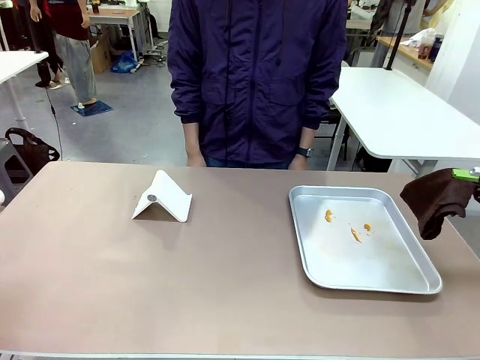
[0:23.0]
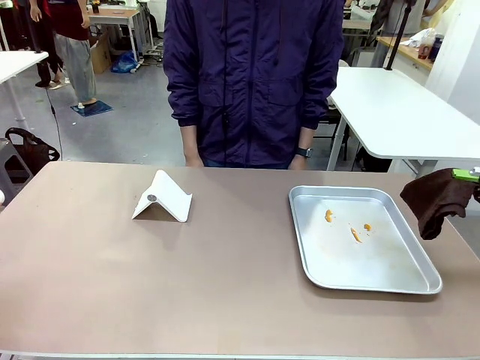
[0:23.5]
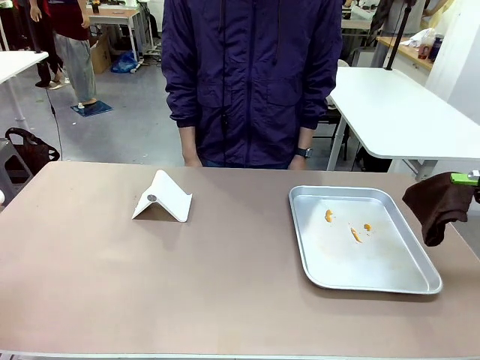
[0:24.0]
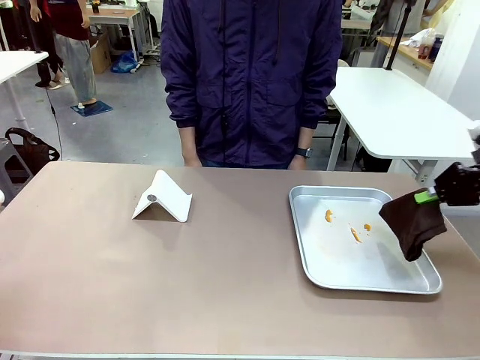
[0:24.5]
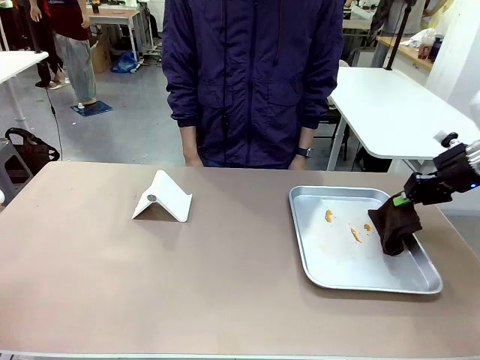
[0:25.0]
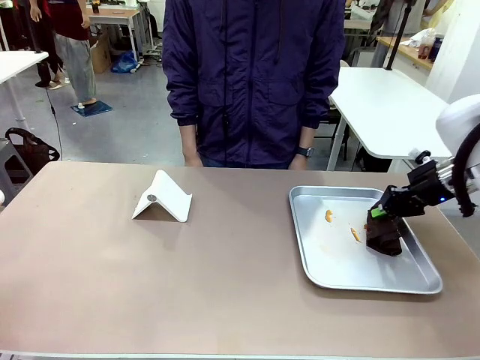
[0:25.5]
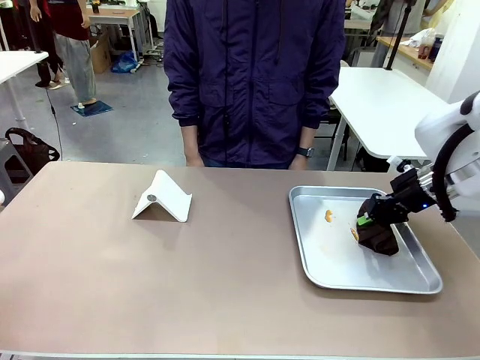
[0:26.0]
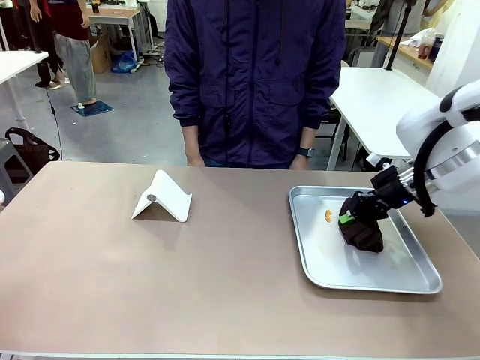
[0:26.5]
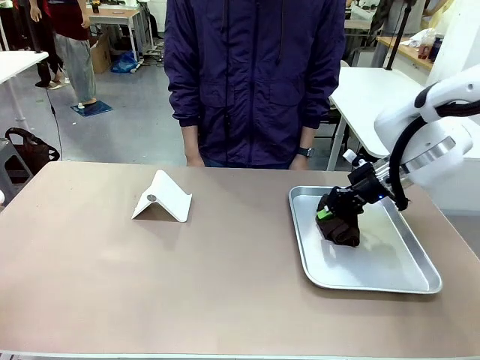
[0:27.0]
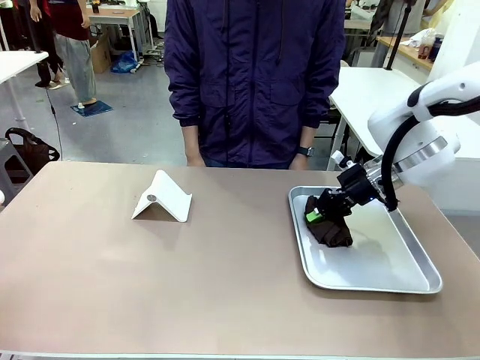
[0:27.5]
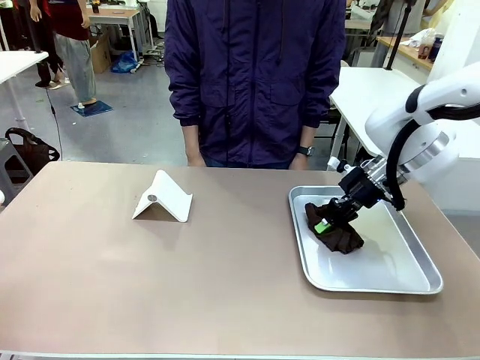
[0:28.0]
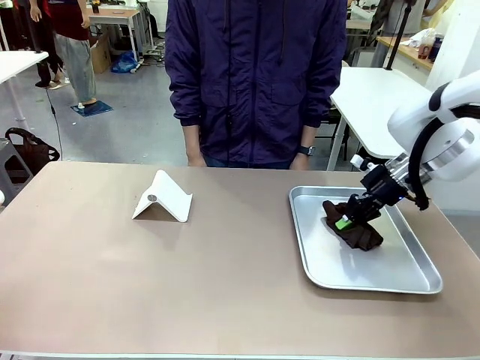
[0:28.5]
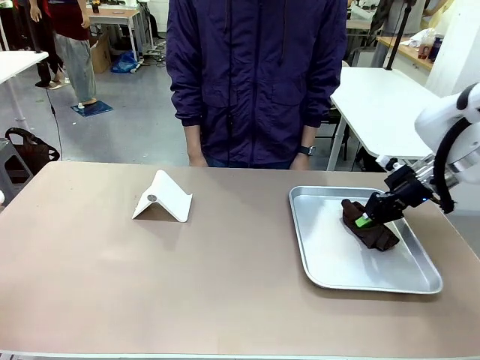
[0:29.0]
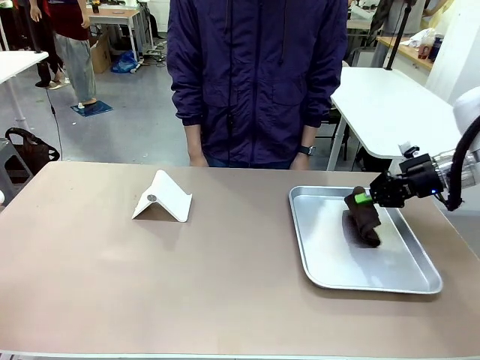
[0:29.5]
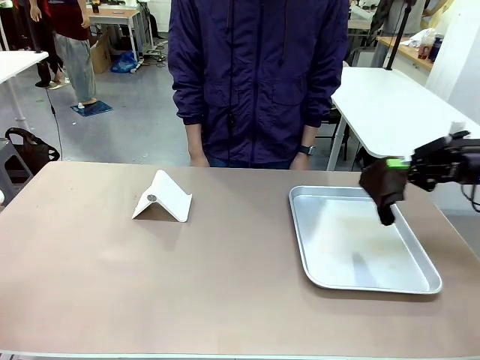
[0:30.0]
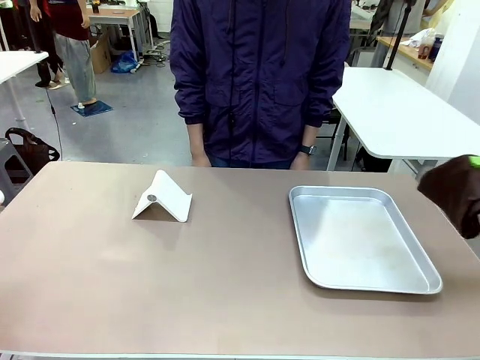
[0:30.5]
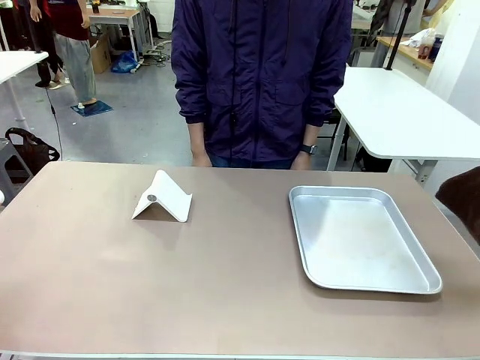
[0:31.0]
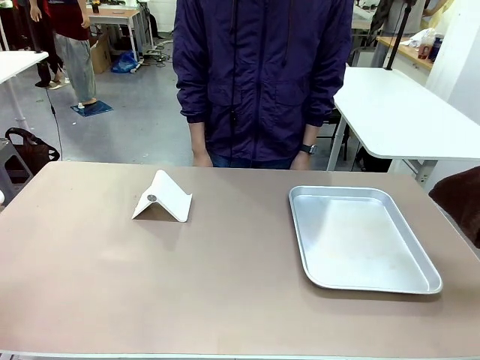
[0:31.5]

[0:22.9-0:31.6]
Task: Clean the surface of the table.
Robot: Clean the area not pointed to by the person.

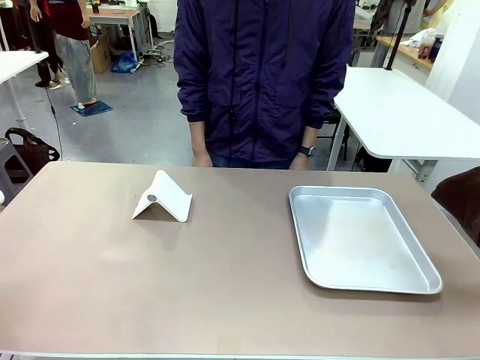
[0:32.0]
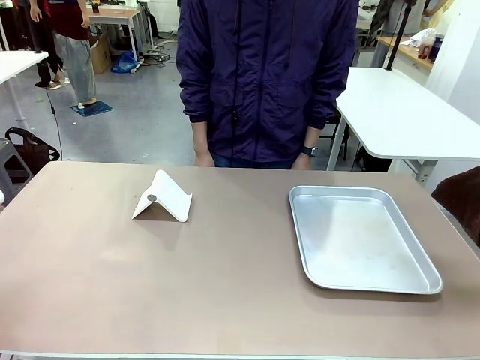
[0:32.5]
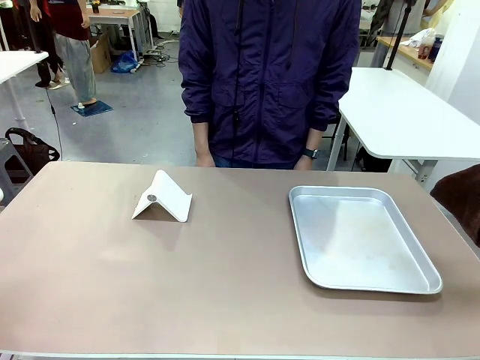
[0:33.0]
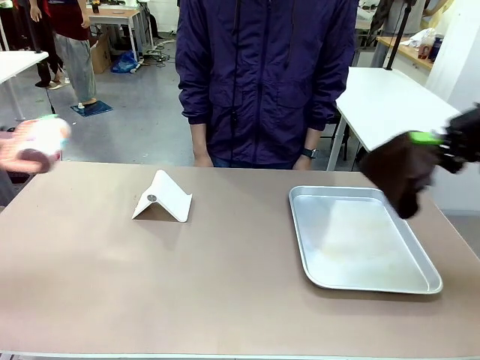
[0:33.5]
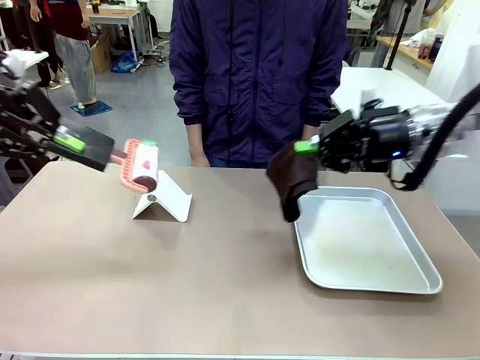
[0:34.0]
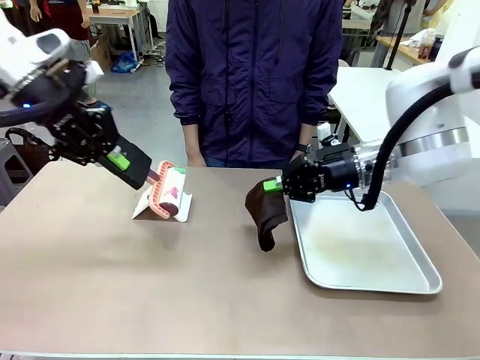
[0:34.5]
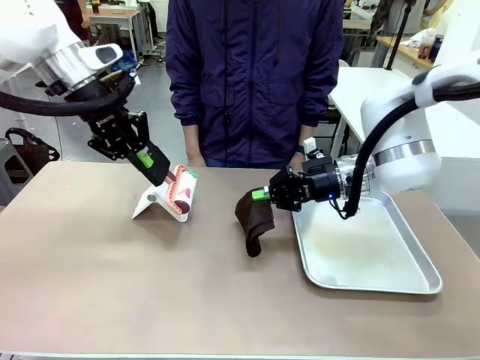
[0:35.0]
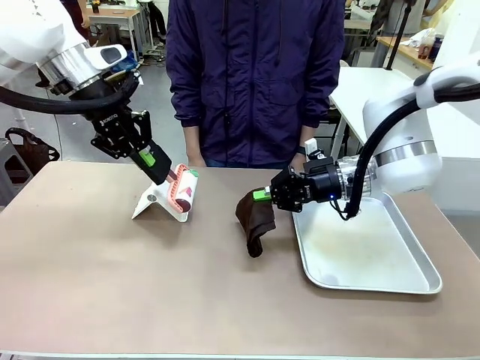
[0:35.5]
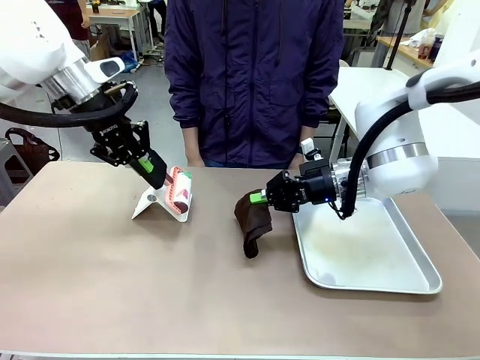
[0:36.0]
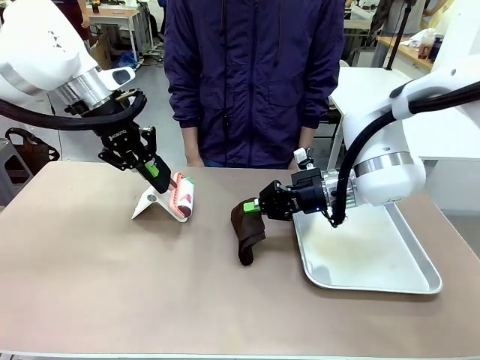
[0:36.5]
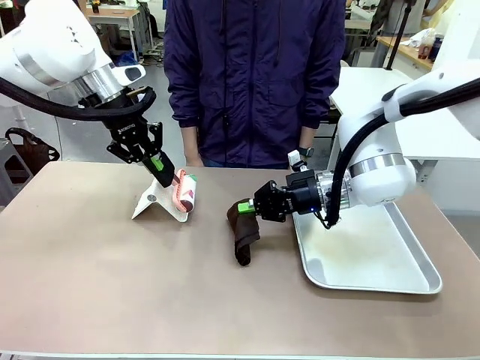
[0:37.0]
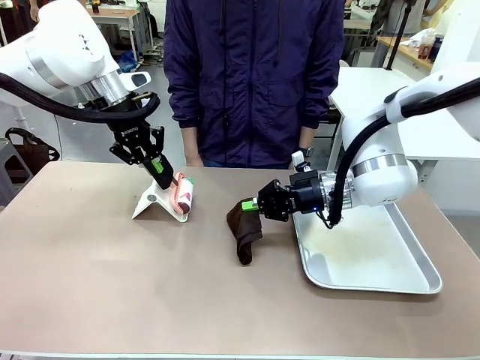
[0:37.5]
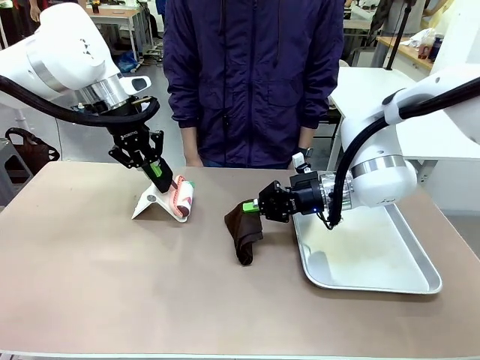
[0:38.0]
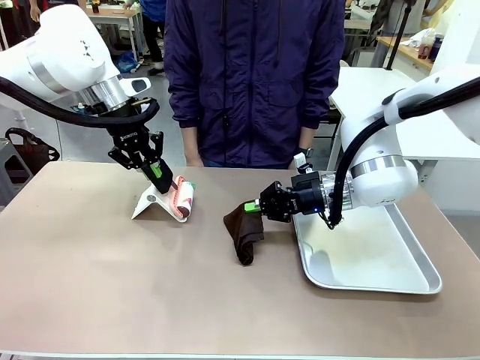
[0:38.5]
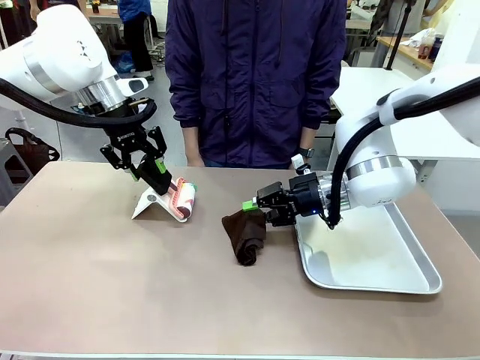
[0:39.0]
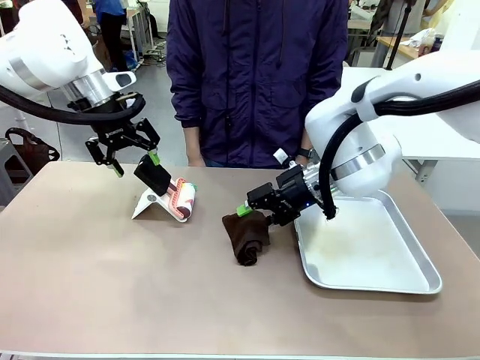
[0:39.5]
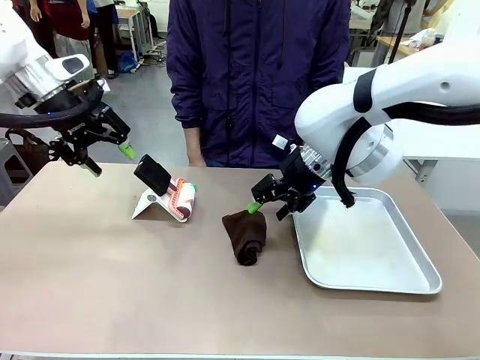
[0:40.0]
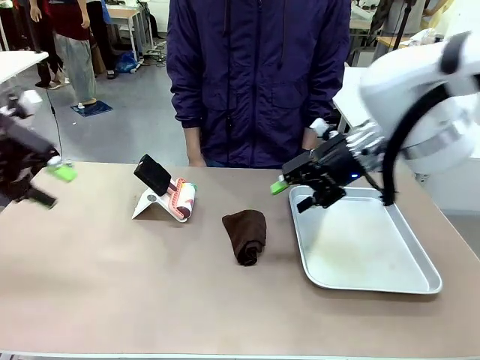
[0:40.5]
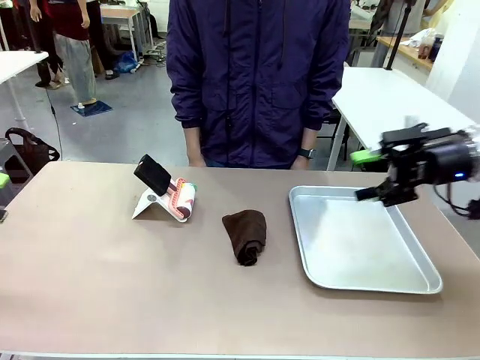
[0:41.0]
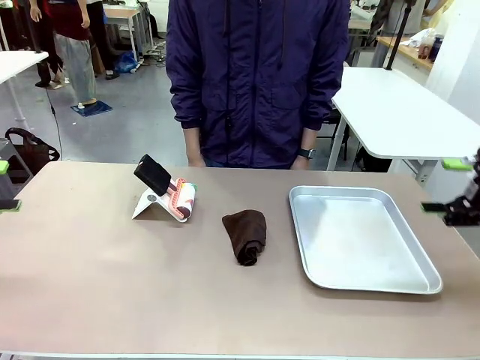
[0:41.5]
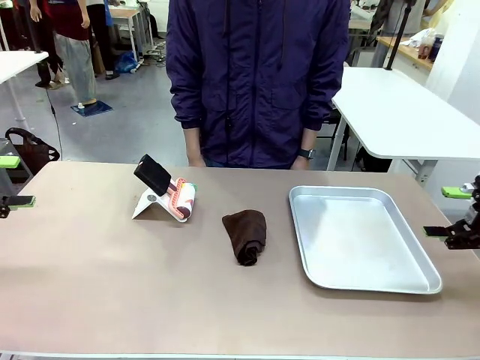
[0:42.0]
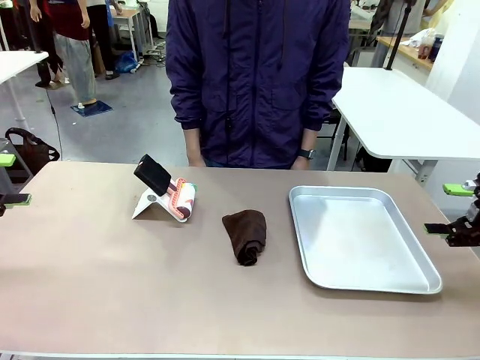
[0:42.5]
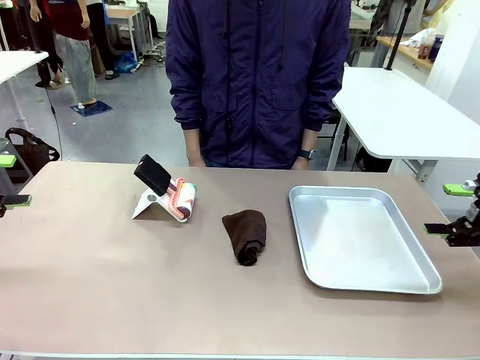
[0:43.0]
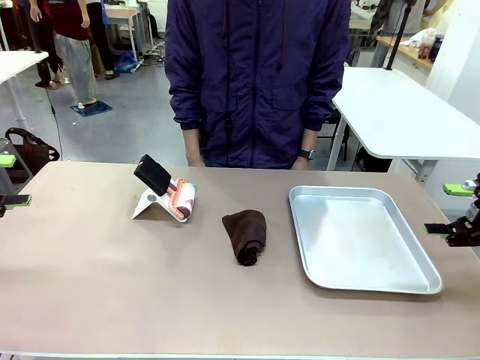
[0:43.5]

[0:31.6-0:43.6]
Robot: Return the Lint Roller and towel to their original positions.

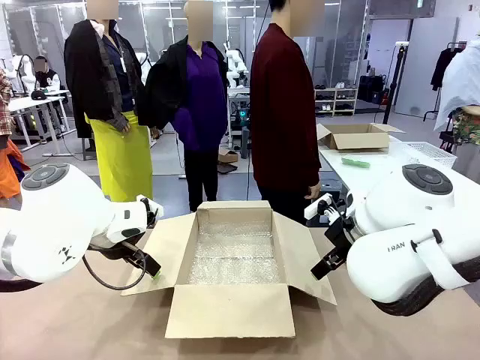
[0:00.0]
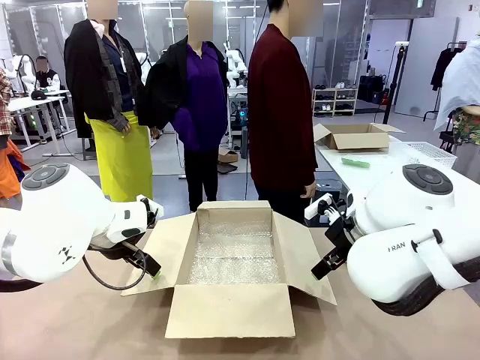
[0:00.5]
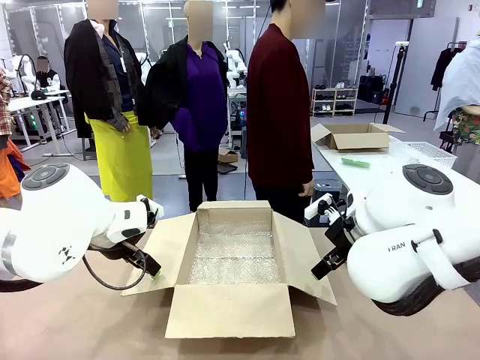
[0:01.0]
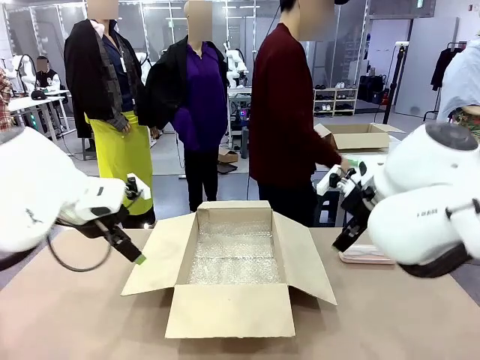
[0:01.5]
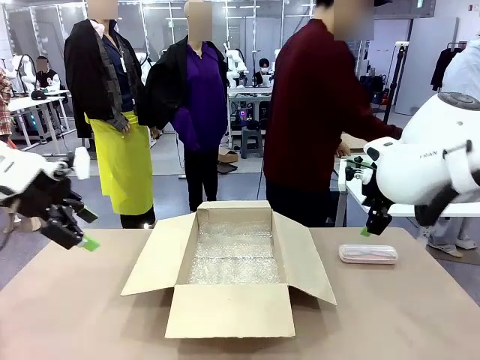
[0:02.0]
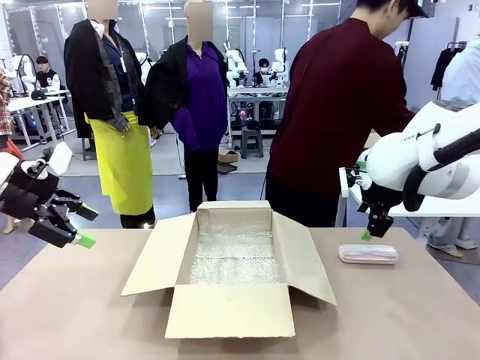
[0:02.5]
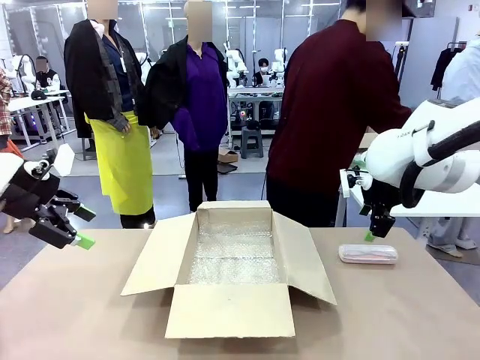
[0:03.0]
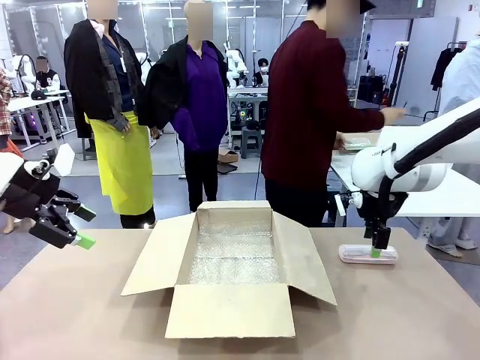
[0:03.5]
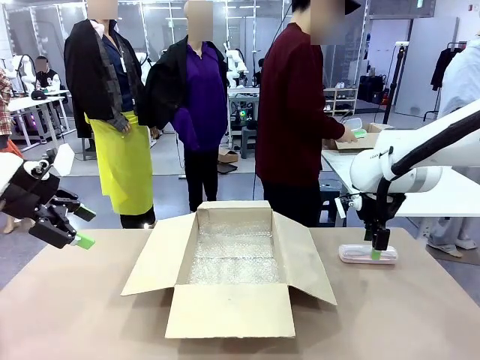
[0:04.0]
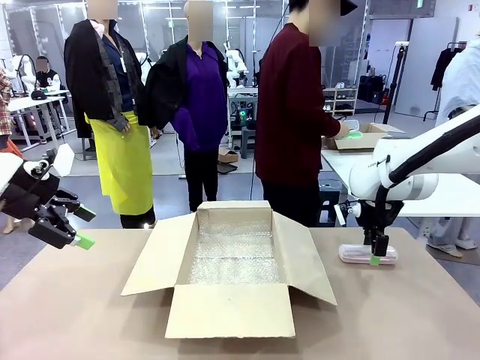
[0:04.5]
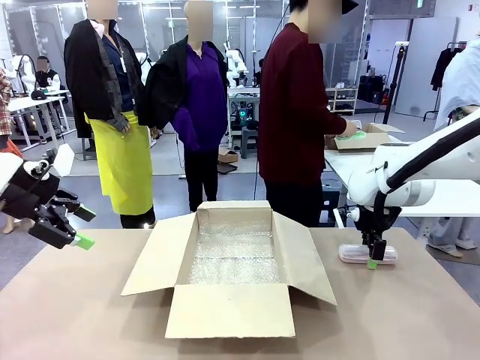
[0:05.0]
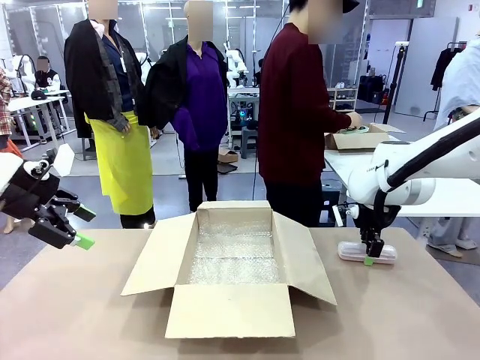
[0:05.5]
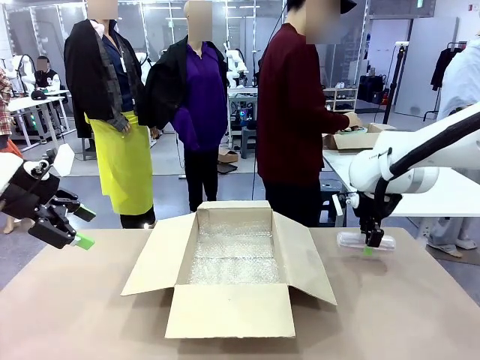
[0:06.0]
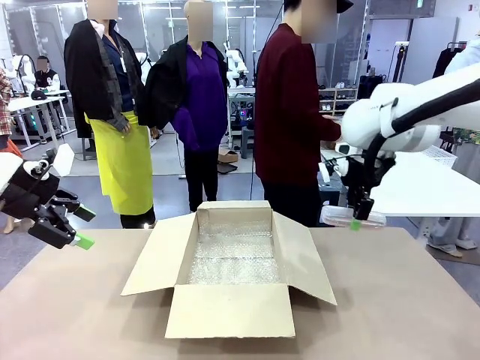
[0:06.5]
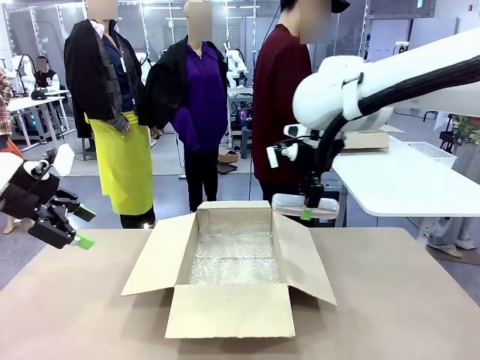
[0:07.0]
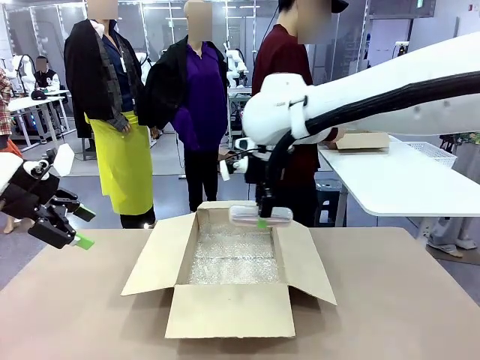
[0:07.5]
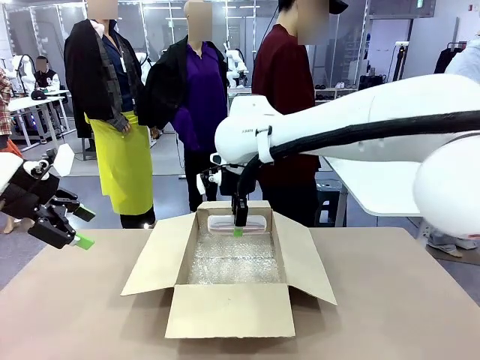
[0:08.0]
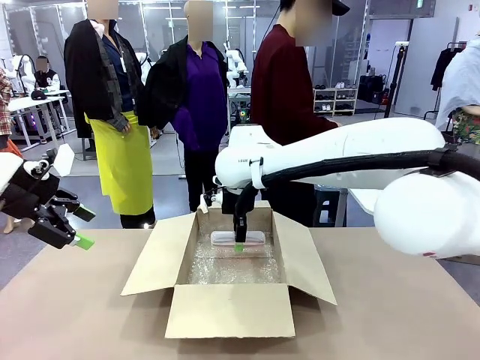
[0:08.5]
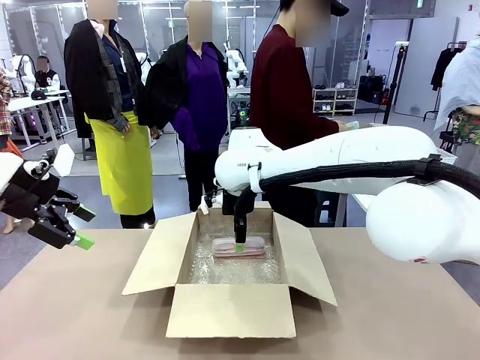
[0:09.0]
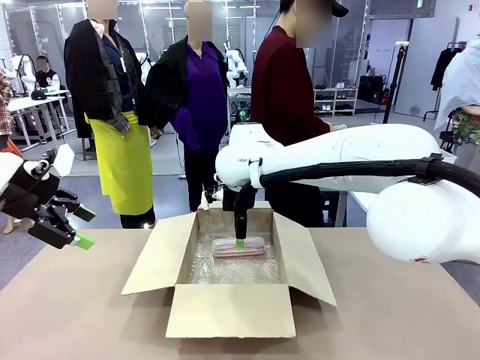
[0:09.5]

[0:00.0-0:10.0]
Task: Pack the glasses set securely to prepare it for shipping.
Robot: Place the Glasses case inside the Package Box.
Person: Place the Glasses inside the Glasses case.
